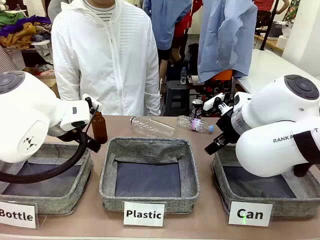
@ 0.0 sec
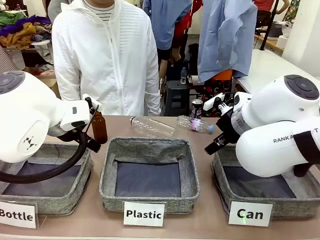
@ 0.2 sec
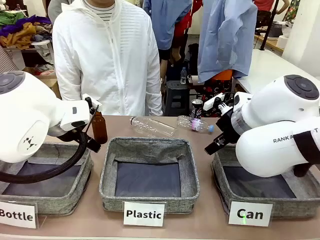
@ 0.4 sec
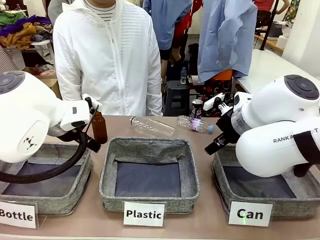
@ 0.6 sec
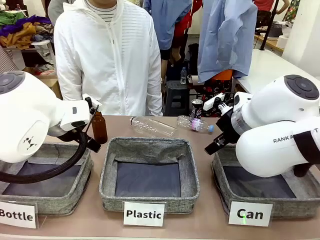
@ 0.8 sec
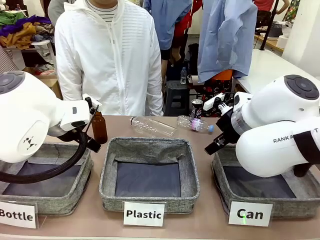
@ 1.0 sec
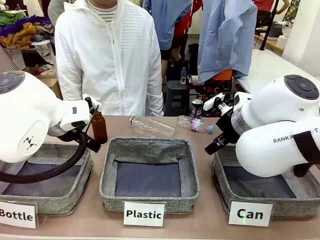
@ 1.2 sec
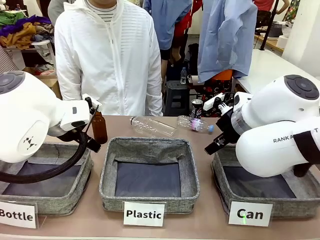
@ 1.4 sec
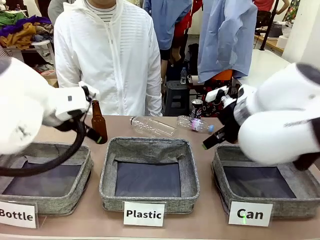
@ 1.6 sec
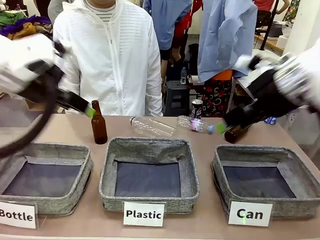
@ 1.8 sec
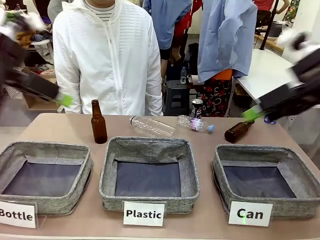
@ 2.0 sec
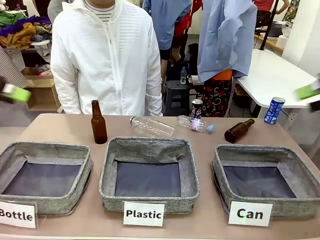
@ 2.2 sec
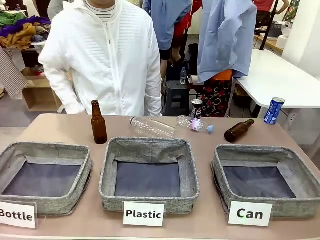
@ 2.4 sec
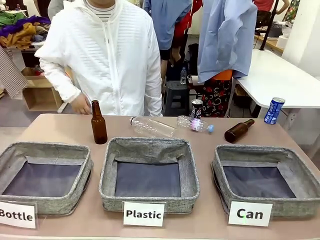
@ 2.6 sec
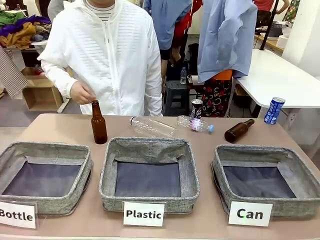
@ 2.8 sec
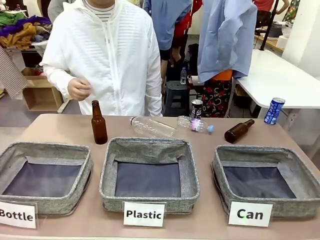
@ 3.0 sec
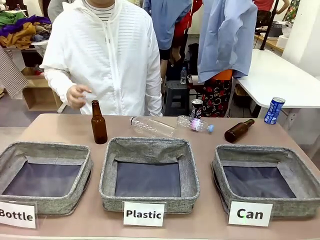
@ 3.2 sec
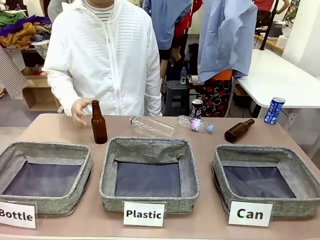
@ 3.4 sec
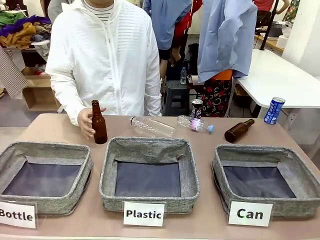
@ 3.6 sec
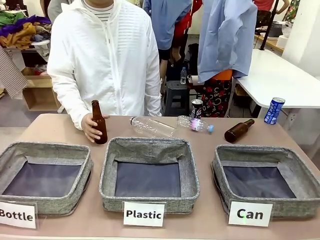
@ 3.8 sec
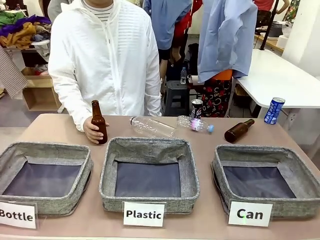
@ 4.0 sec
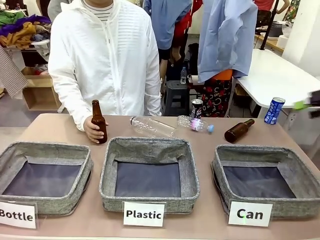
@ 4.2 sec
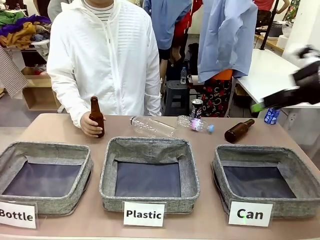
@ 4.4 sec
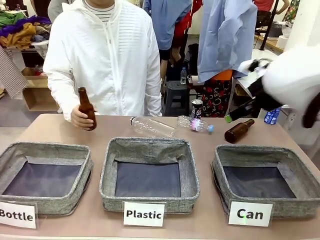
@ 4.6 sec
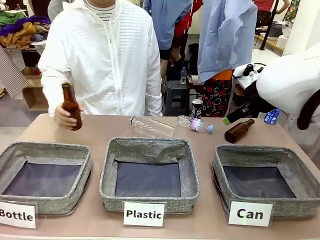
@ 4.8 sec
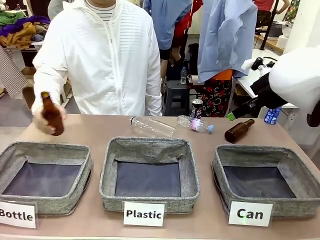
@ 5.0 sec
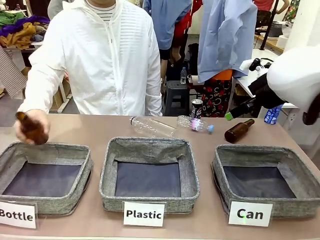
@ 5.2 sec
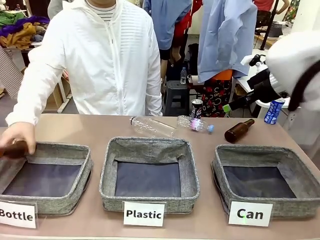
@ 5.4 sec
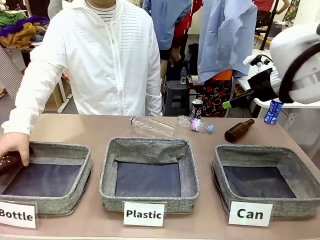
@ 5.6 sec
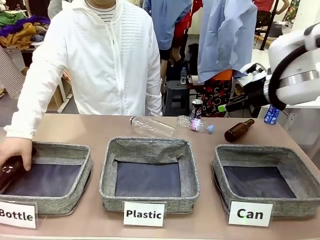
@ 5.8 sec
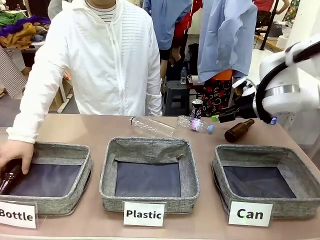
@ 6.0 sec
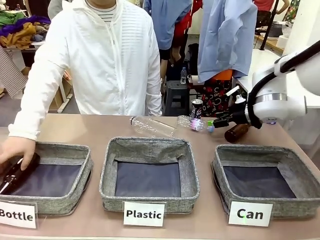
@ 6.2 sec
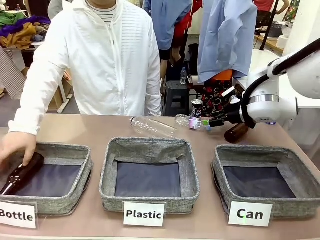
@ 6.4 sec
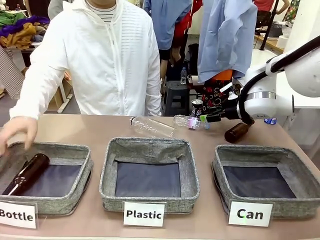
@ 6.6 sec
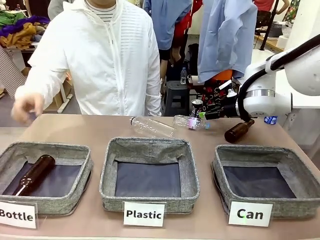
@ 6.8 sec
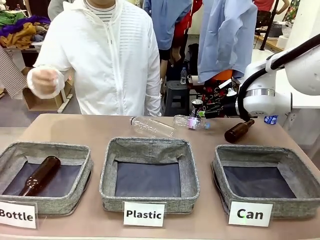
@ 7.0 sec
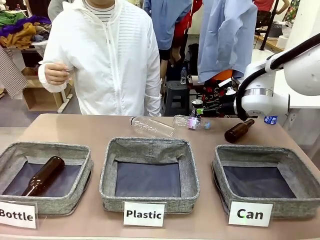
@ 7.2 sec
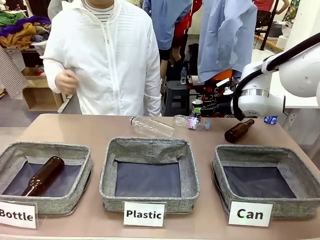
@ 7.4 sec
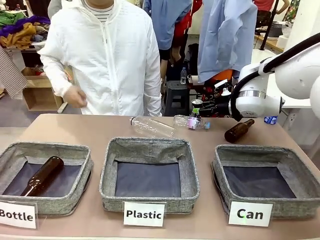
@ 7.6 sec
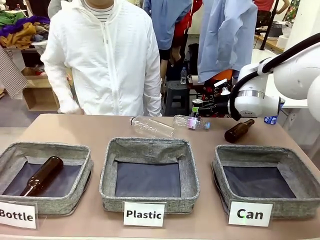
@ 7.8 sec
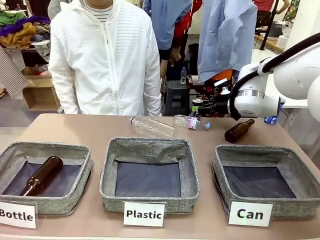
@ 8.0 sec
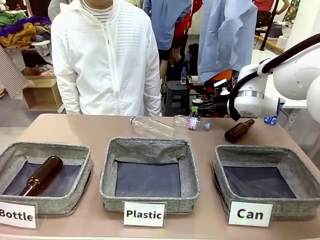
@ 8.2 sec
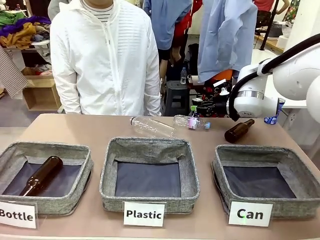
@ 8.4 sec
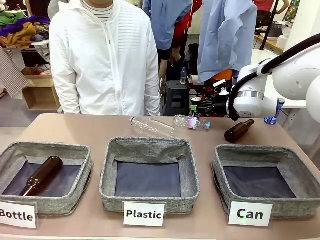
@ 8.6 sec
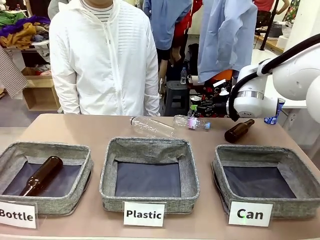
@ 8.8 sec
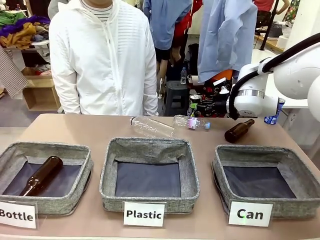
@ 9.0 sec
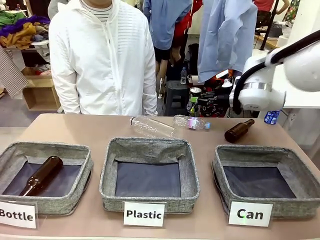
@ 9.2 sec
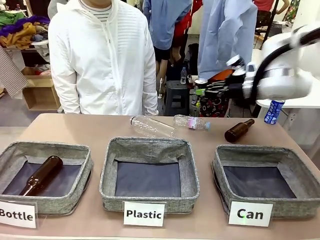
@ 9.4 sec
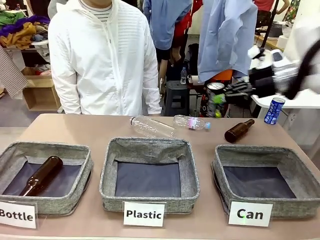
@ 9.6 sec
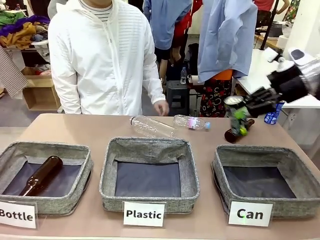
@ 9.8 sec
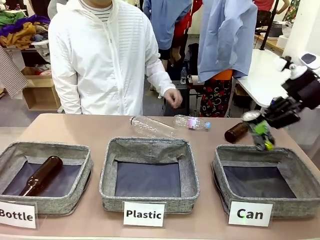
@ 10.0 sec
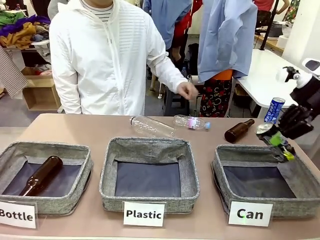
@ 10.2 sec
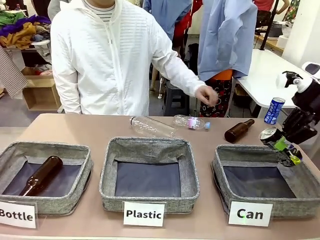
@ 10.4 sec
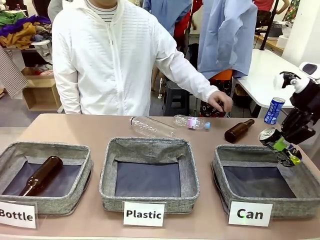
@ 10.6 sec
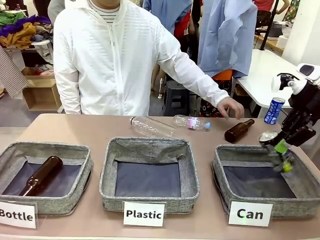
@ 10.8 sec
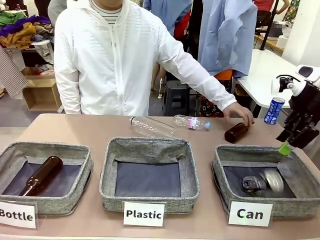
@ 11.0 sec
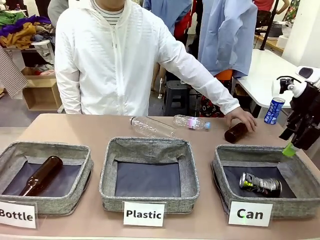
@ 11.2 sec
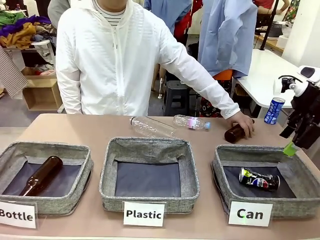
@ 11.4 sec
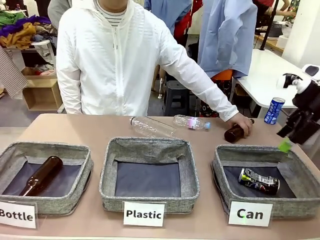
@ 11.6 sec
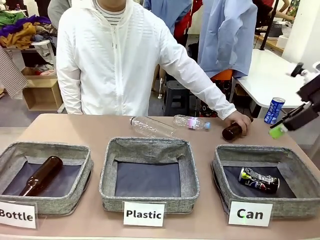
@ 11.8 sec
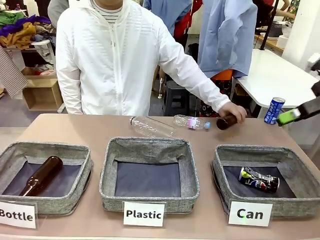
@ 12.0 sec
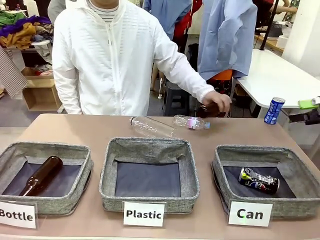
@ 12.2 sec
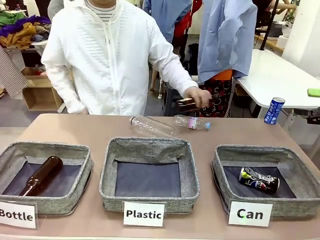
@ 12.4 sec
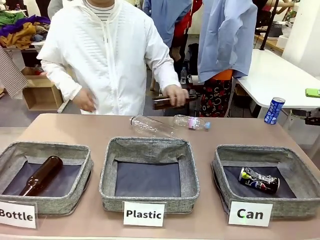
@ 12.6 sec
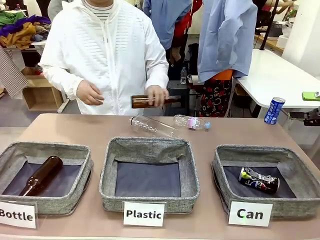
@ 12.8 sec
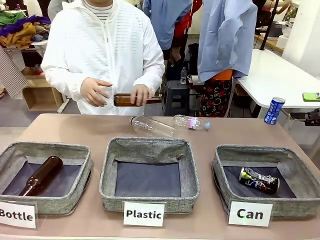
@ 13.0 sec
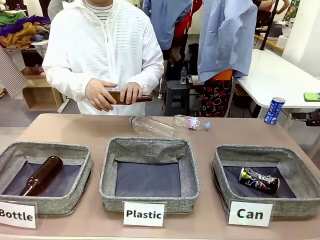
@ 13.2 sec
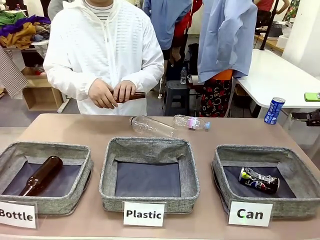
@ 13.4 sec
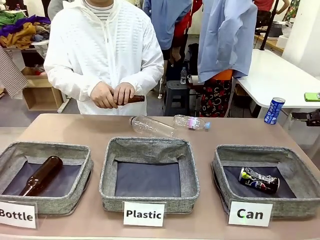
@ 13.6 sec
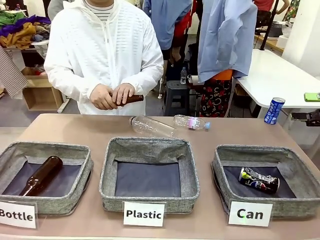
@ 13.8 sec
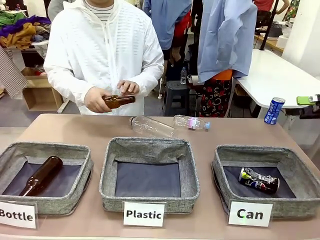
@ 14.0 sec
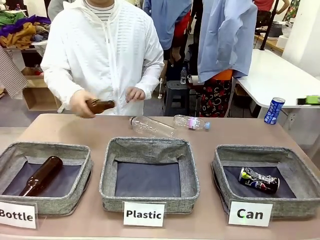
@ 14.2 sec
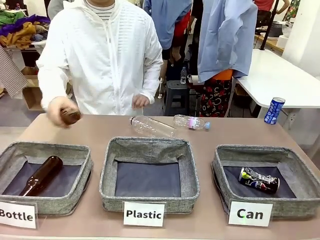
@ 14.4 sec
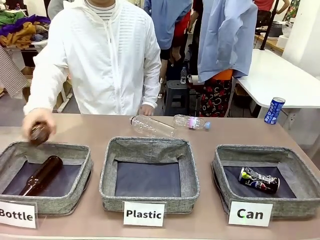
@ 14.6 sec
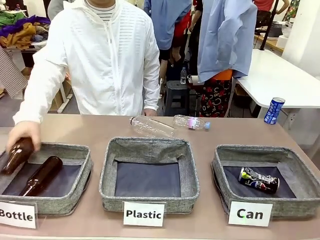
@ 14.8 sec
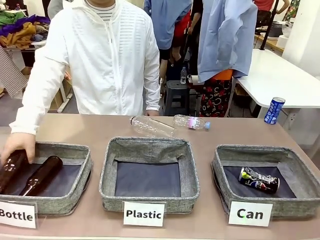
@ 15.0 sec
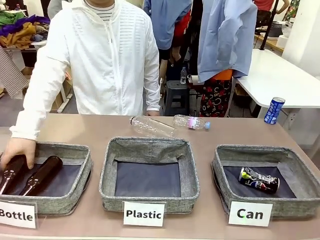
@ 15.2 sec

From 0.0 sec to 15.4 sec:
Task: Sort the can waste into the basket.
Robot: Pick up the can waste from the table and place it in the right Fabric basket.

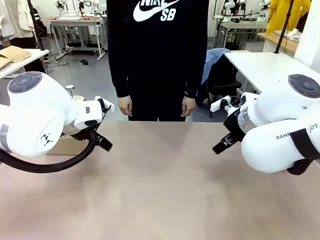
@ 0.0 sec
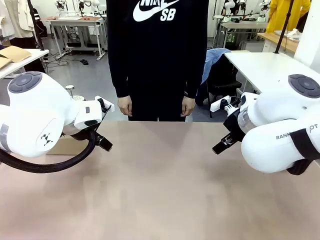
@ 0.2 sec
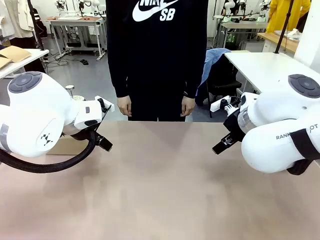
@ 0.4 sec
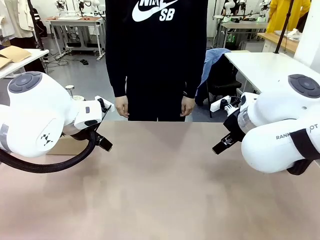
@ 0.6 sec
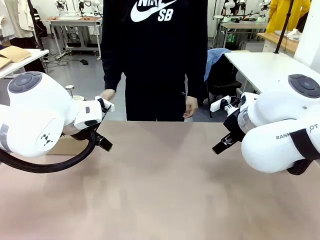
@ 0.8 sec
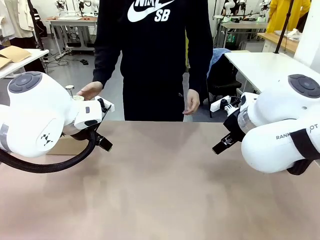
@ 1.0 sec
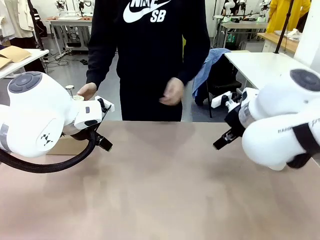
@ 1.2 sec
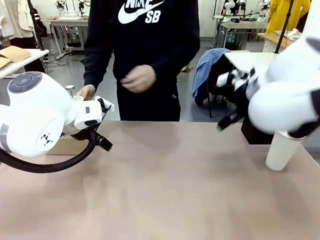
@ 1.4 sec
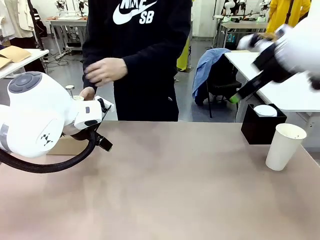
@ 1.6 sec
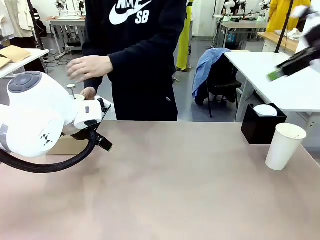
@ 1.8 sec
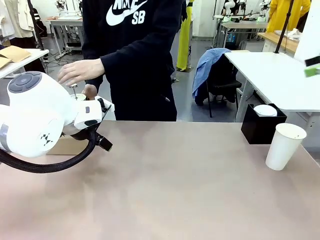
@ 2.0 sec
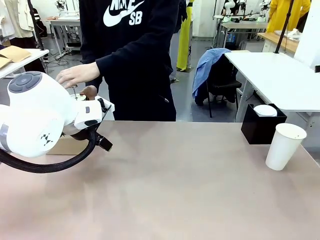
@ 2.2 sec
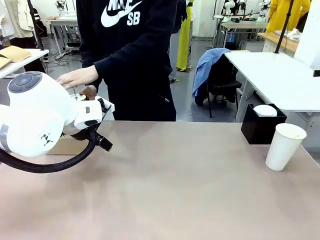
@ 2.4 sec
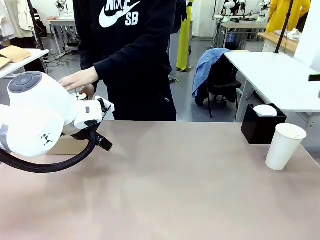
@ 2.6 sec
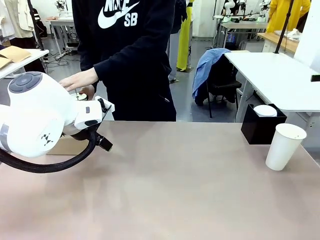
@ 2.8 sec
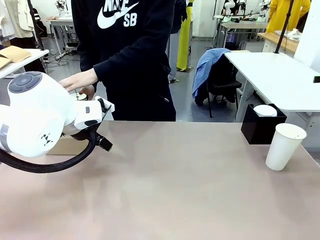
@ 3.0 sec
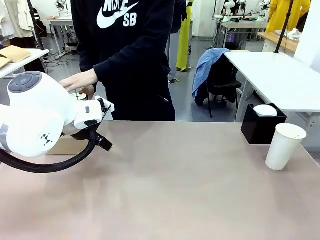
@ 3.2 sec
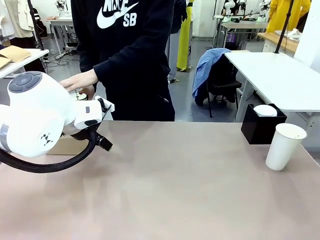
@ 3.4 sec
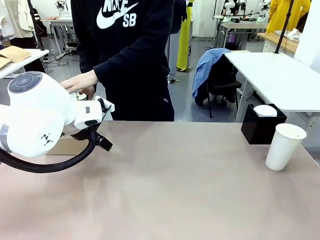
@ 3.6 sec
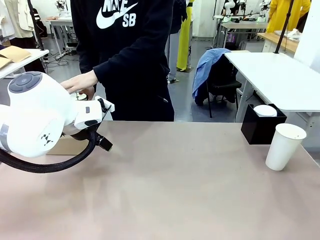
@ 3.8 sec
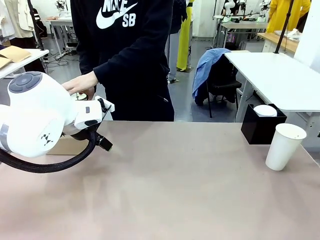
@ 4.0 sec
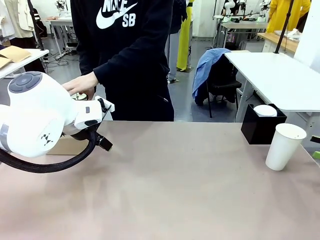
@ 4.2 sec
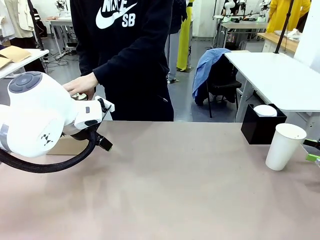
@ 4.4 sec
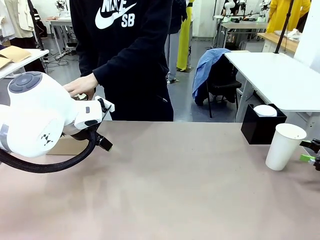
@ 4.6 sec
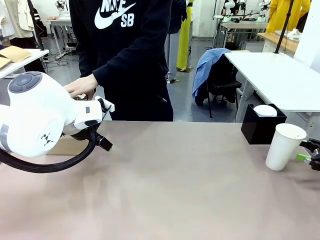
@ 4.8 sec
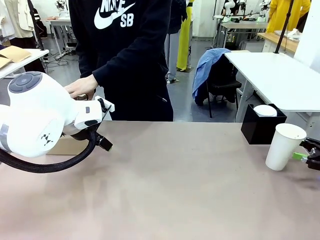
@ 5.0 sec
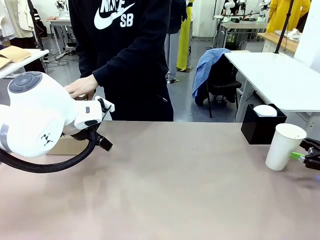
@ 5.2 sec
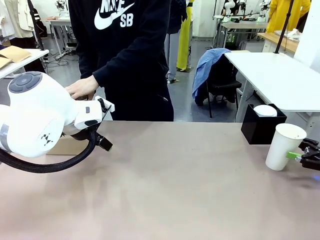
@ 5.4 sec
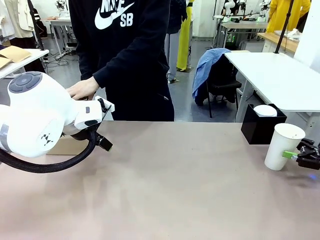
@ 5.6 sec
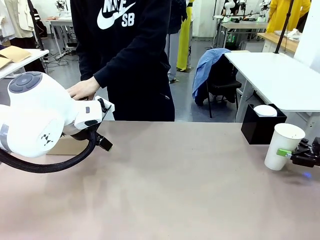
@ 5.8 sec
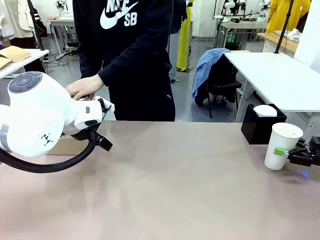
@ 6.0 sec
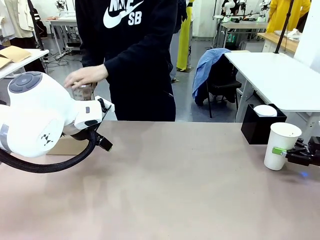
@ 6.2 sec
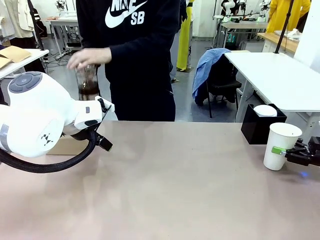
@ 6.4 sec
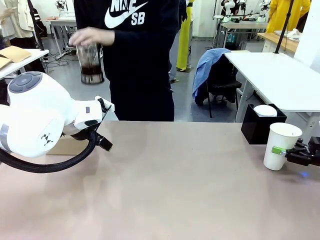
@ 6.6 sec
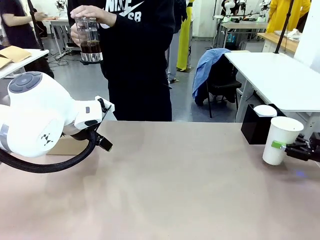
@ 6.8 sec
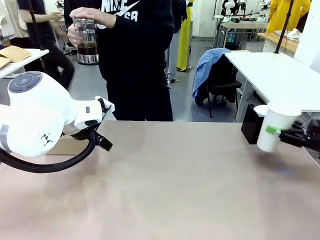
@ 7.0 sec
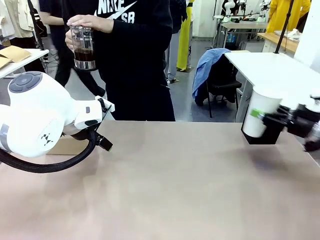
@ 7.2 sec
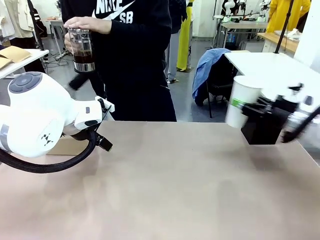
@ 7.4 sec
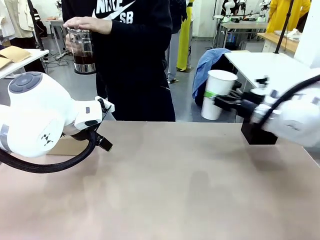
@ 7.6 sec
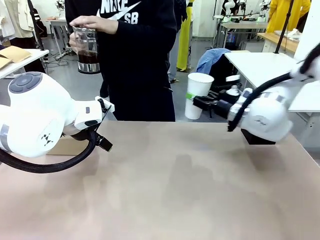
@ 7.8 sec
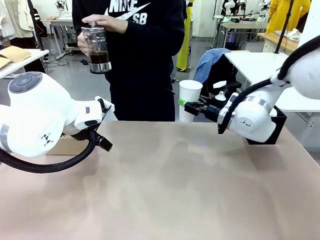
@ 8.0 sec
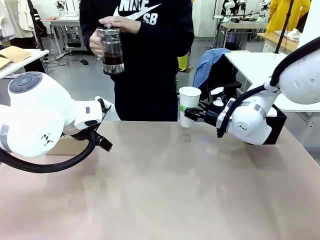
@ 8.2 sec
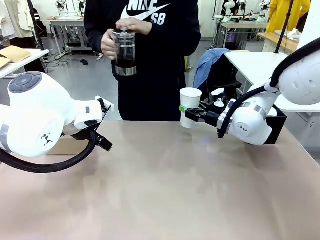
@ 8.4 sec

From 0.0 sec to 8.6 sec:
Task: Pour a drink into a cup and package it in a carrier.
Robot: Pick up the 600 ml Paper Cup and place it in the middle top area of the table.
Person: Press and pick up the Filter Brewing.
